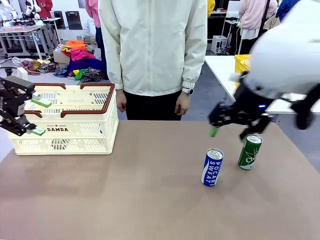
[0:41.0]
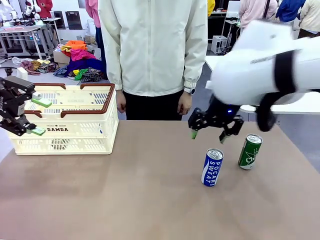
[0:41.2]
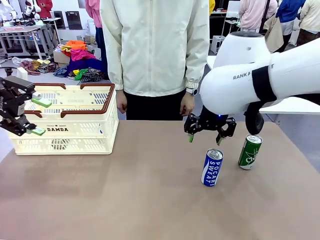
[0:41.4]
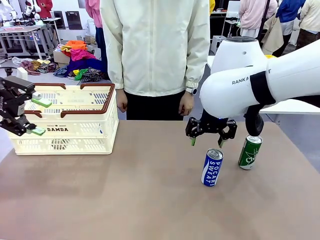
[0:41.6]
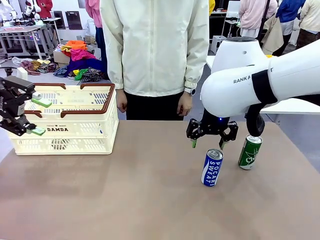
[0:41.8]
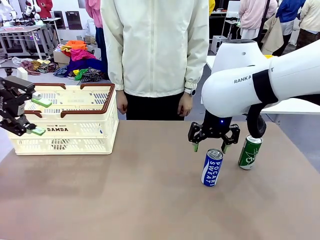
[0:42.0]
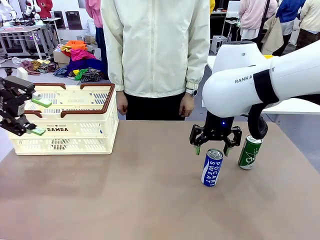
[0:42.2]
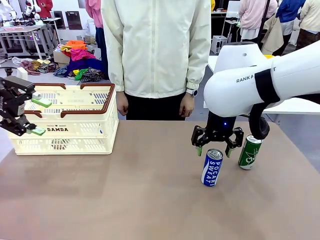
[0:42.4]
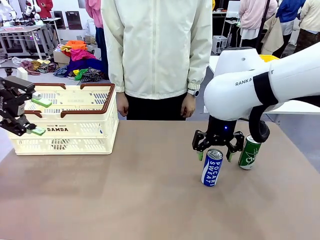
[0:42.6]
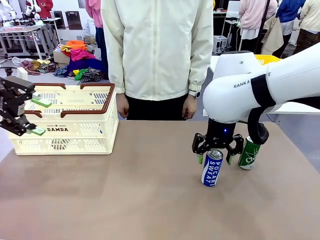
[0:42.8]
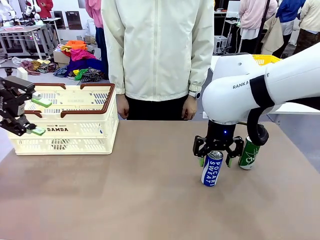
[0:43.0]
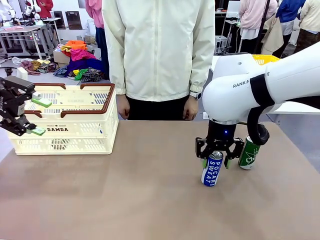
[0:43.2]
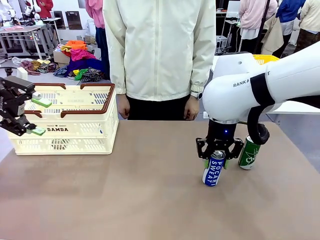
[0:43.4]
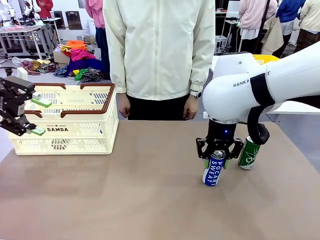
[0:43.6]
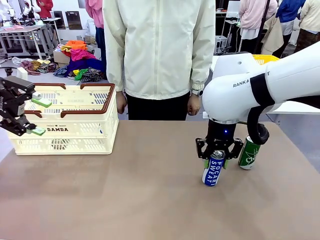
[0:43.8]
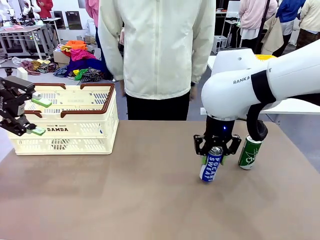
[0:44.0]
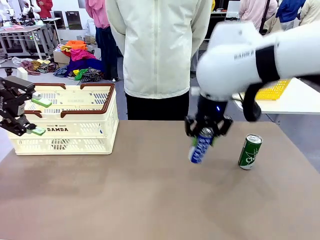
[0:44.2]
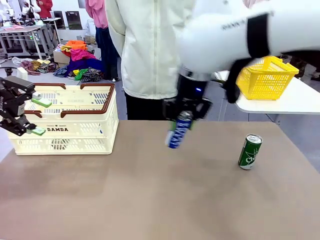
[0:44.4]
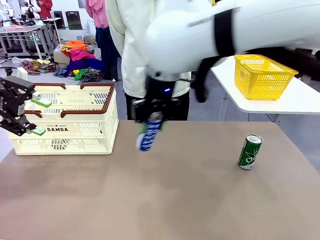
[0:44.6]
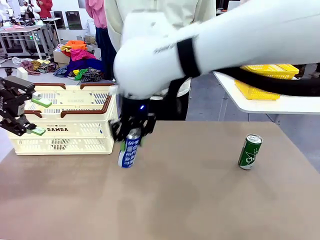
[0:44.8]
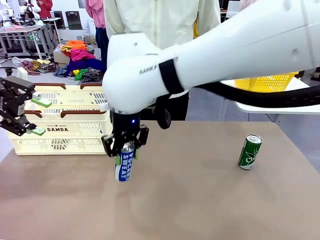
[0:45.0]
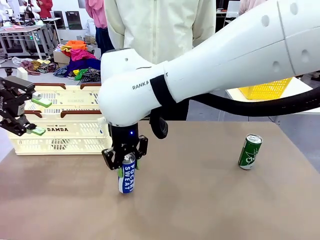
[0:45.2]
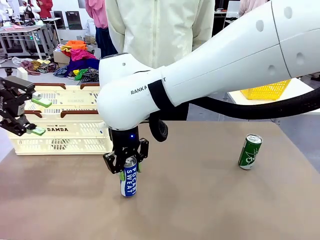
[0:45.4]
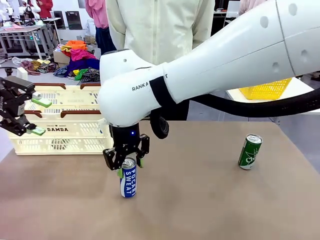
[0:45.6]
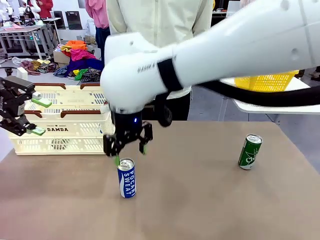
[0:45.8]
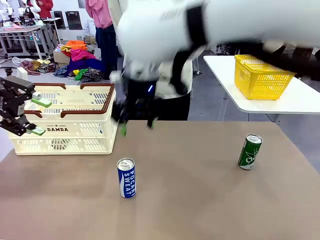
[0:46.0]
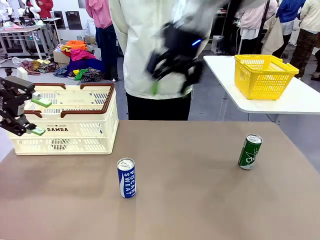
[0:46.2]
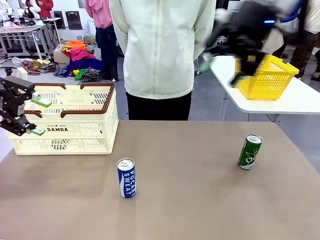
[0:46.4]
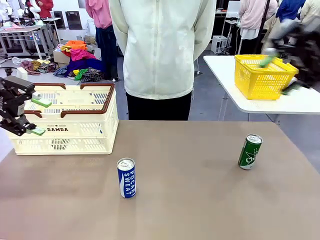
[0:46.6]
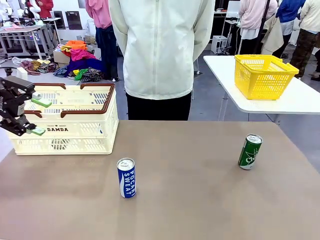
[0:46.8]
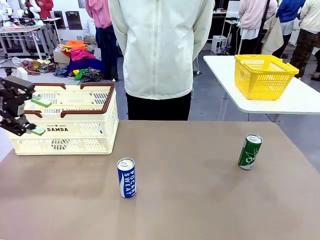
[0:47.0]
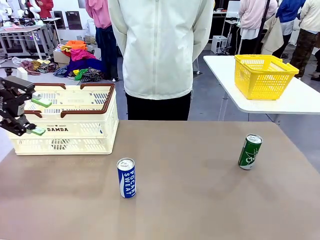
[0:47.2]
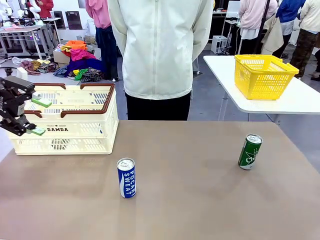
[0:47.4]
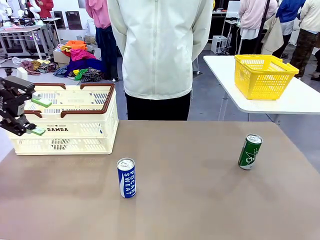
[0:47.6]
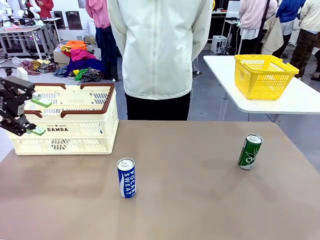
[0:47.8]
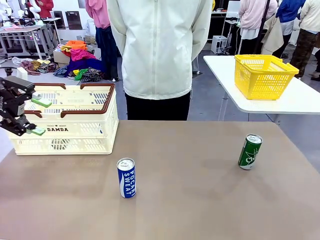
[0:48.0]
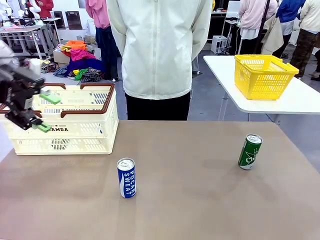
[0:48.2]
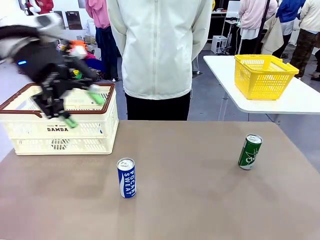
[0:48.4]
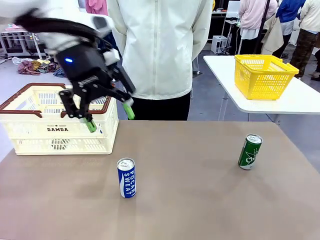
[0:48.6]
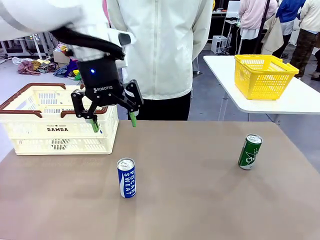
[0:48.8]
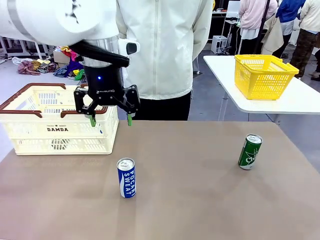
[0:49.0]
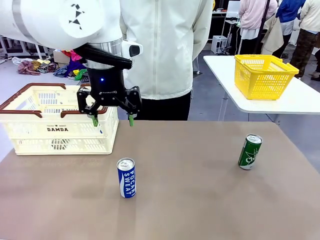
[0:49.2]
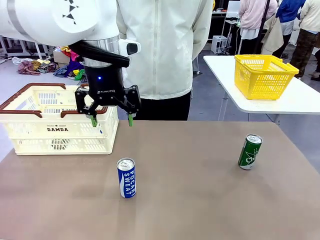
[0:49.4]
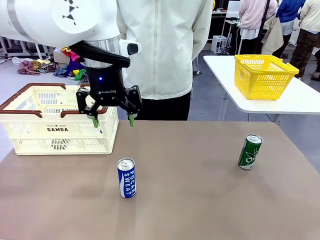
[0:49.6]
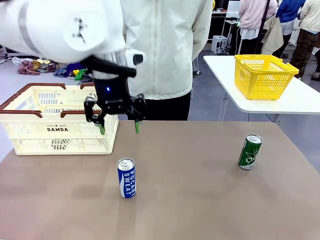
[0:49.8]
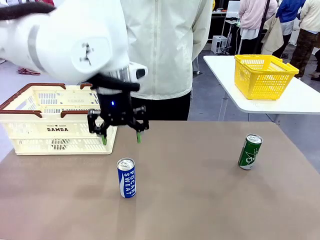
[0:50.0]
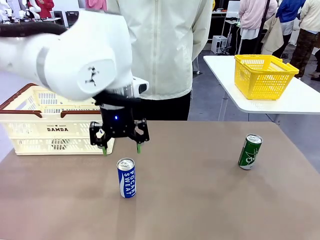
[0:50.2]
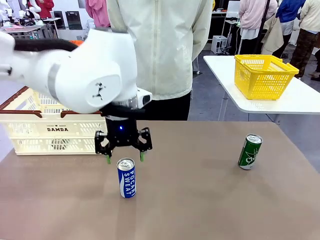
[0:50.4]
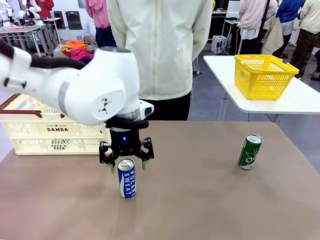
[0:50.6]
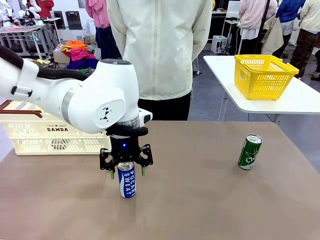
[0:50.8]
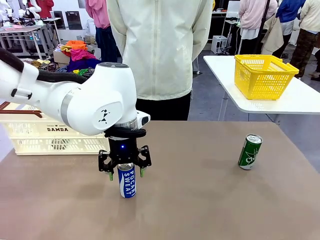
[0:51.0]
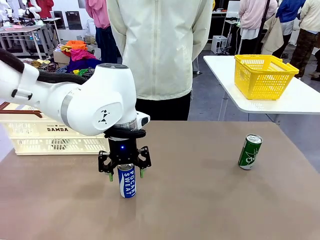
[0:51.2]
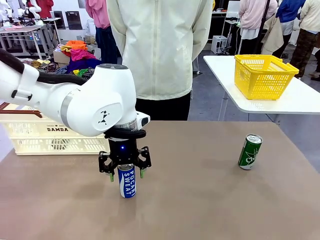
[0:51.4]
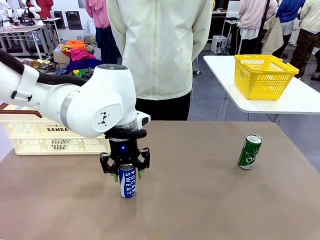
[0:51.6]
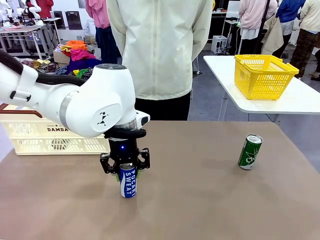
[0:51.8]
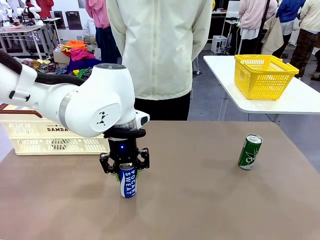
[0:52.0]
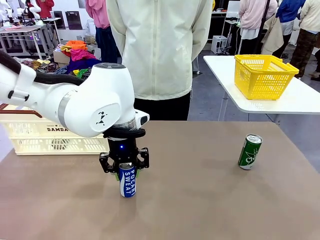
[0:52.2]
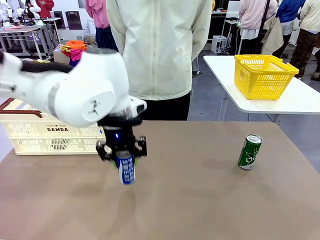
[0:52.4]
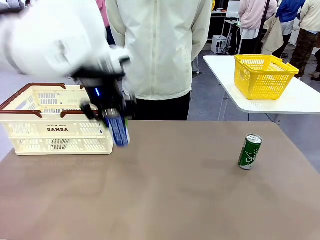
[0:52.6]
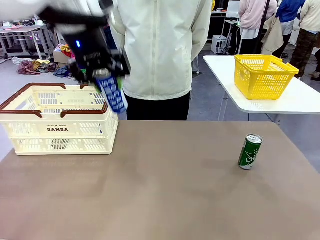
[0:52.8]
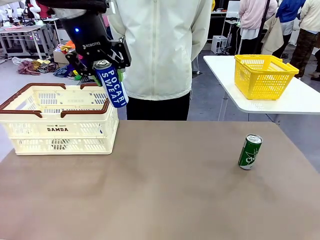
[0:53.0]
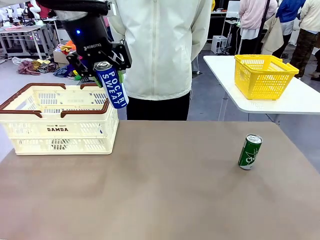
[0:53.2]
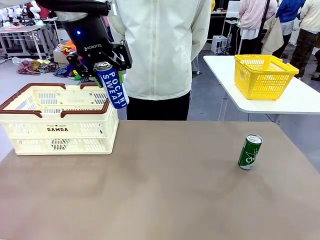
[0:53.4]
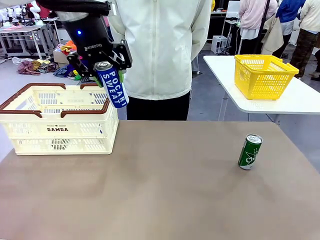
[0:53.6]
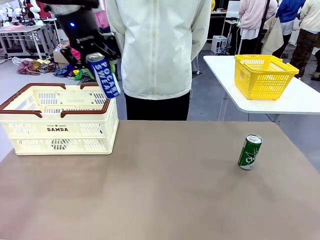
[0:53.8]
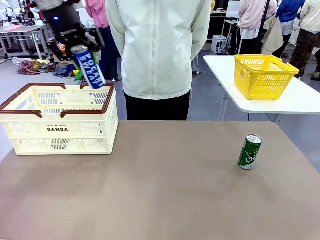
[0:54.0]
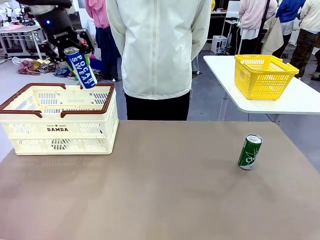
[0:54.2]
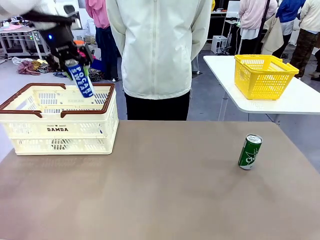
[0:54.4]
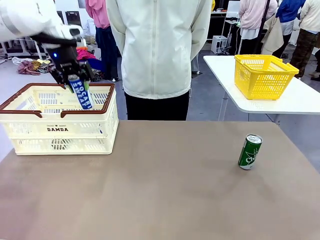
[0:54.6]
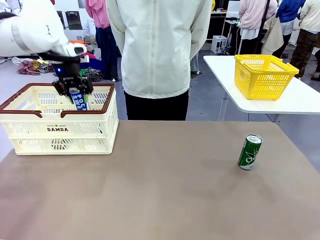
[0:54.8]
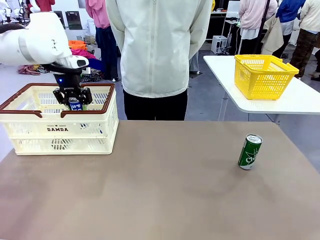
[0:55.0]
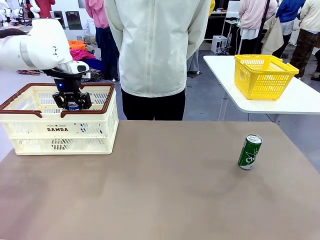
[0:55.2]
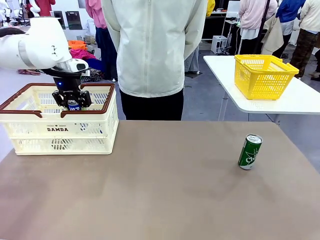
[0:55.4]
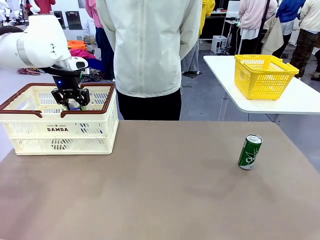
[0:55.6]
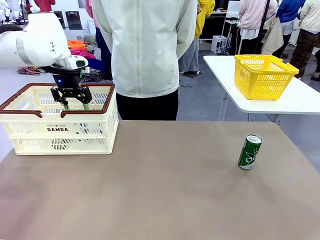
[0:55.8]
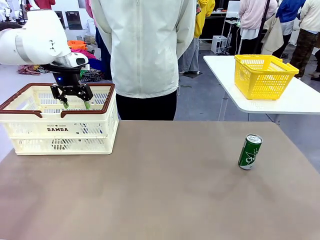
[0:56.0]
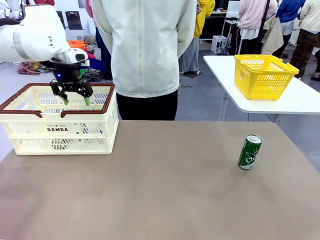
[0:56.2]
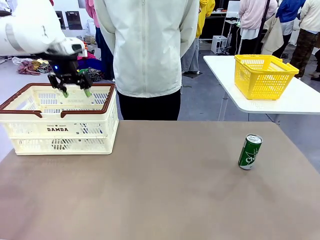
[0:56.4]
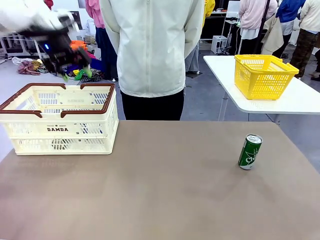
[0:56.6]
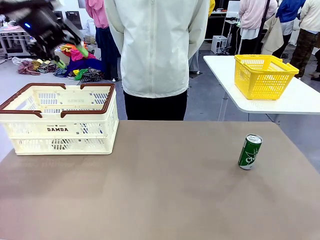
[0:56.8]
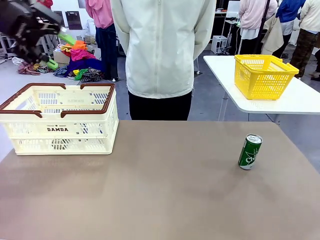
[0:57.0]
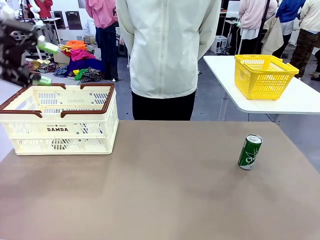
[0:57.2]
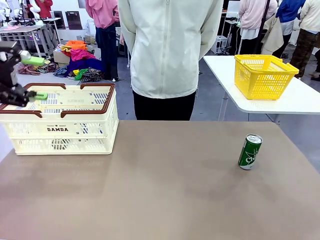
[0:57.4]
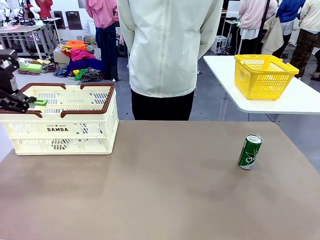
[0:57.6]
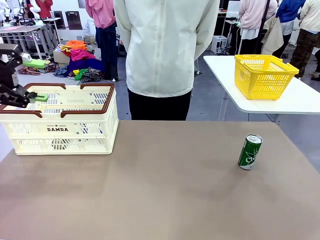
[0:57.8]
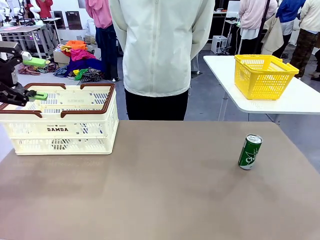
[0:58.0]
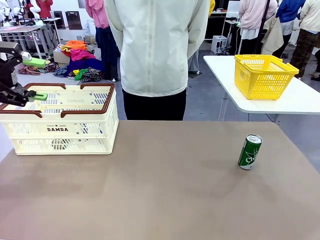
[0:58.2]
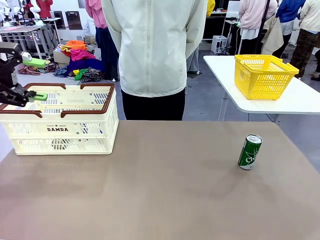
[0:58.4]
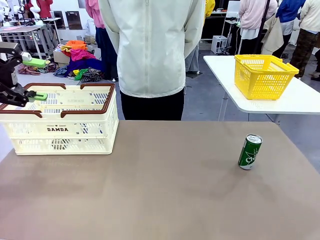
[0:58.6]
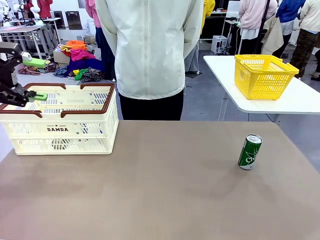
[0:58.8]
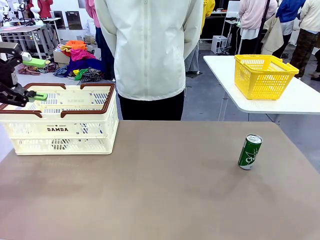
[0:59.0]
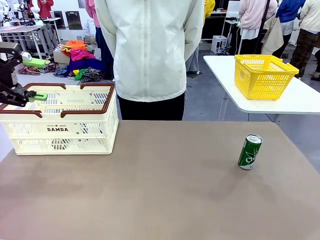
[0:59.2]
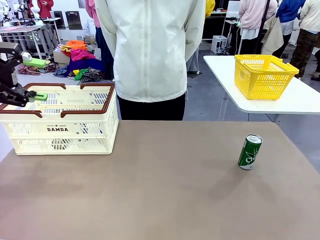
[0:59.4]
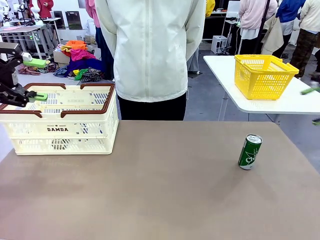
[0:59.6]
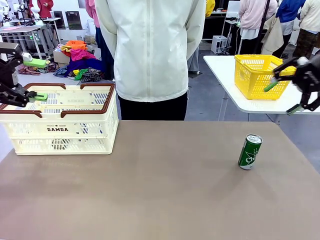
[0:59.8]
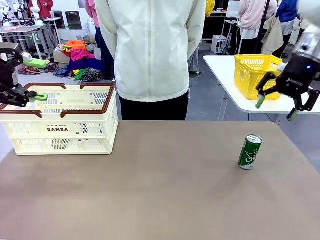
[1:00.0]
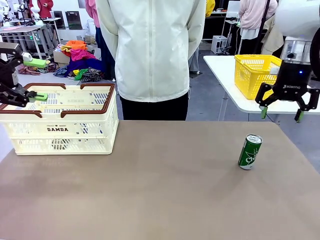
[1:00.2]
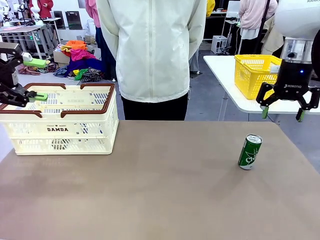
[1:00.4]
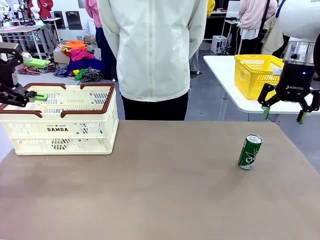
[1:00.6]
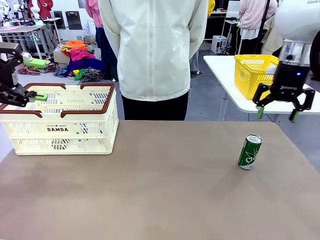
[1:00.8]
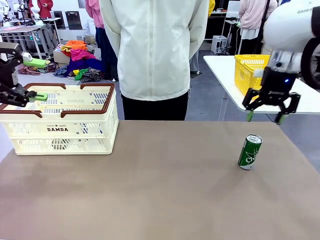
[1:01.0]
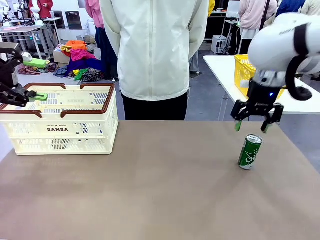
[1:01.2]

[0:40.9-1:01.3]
Task: Place the drinks into the Shopping basket.
Robot: Pick up one drink and place it into the Shopping basket.
